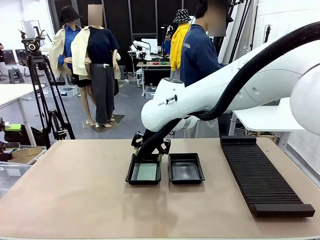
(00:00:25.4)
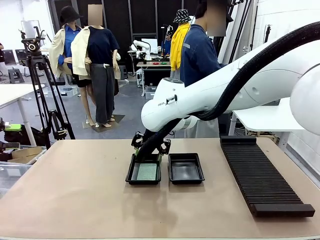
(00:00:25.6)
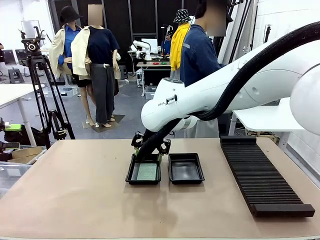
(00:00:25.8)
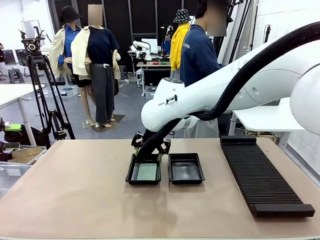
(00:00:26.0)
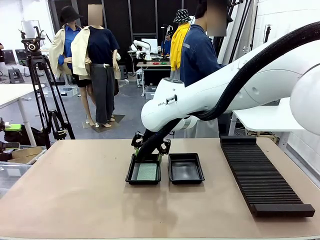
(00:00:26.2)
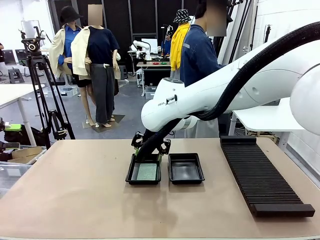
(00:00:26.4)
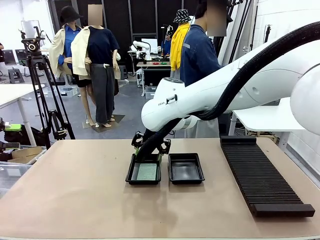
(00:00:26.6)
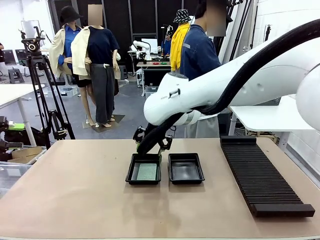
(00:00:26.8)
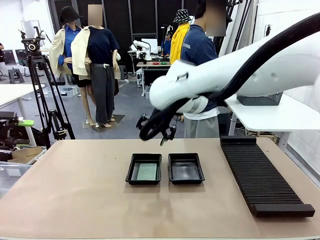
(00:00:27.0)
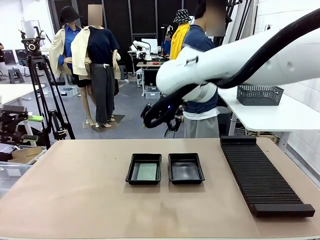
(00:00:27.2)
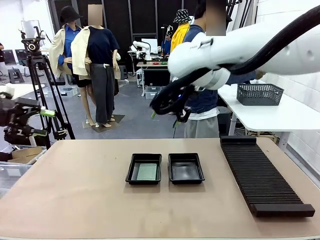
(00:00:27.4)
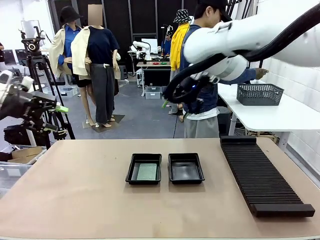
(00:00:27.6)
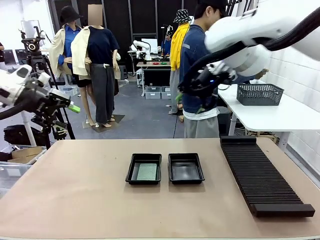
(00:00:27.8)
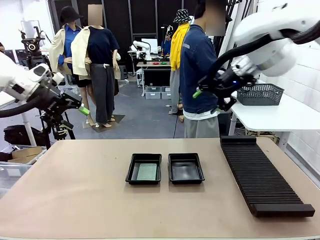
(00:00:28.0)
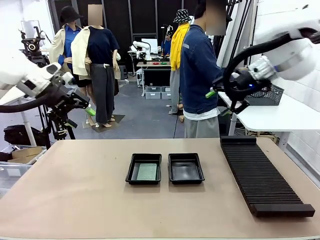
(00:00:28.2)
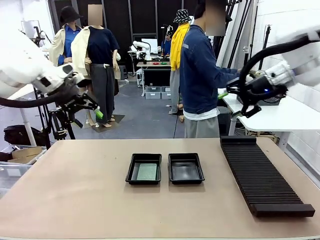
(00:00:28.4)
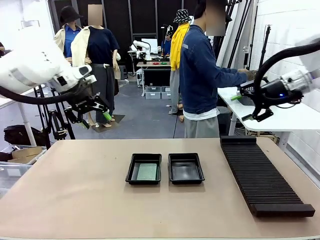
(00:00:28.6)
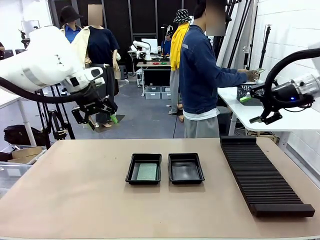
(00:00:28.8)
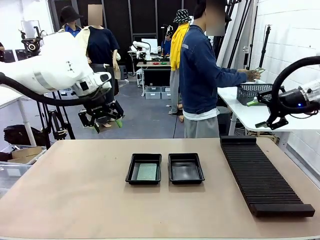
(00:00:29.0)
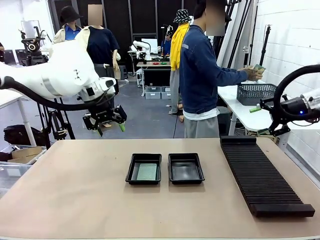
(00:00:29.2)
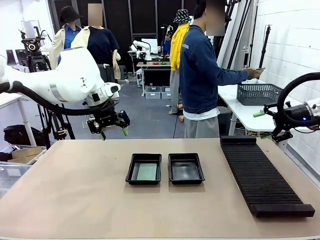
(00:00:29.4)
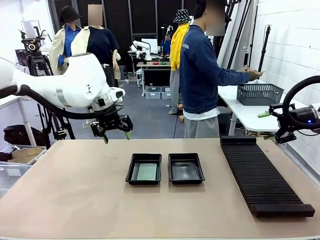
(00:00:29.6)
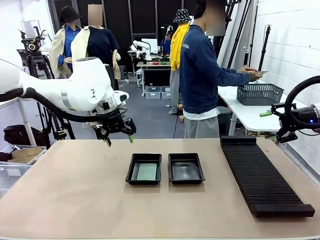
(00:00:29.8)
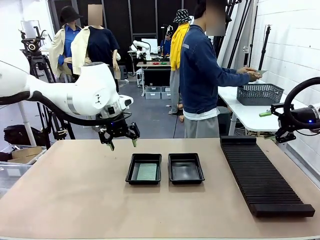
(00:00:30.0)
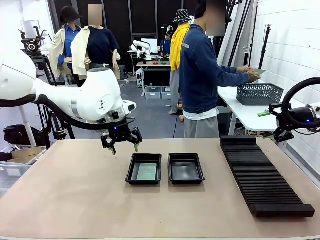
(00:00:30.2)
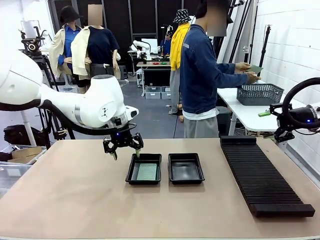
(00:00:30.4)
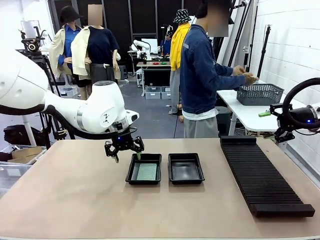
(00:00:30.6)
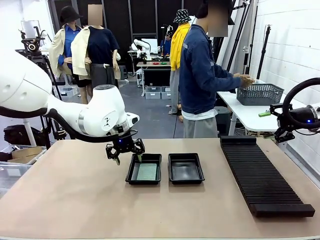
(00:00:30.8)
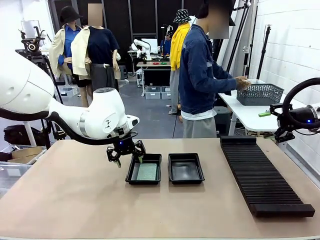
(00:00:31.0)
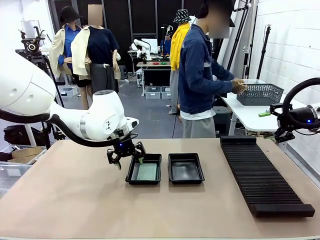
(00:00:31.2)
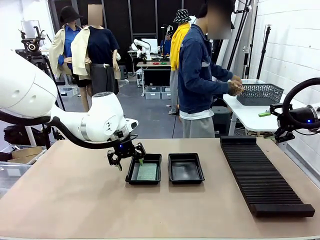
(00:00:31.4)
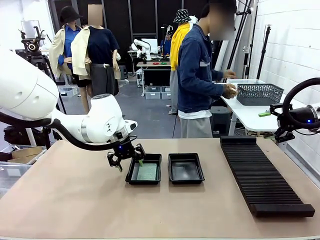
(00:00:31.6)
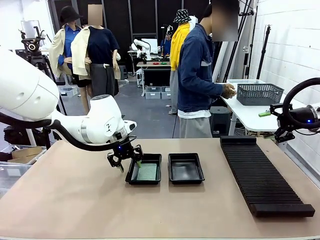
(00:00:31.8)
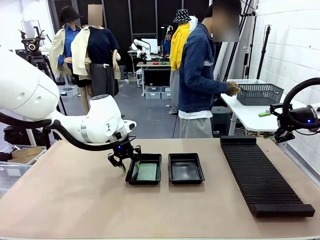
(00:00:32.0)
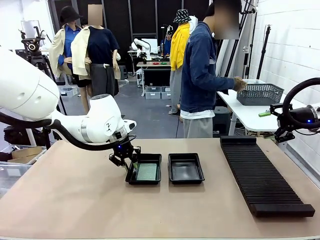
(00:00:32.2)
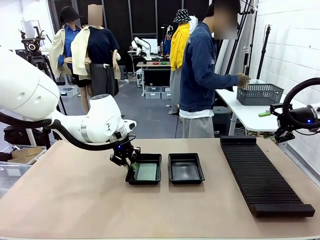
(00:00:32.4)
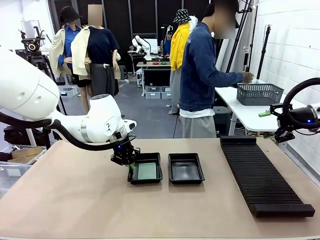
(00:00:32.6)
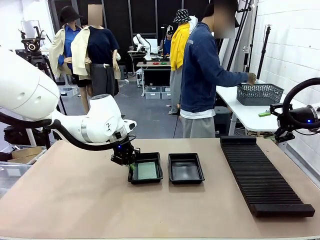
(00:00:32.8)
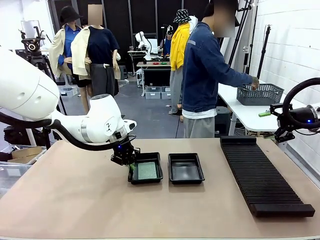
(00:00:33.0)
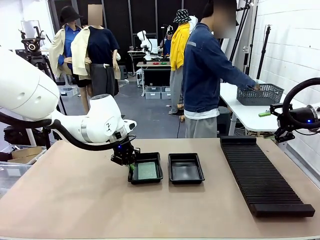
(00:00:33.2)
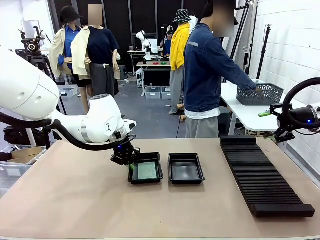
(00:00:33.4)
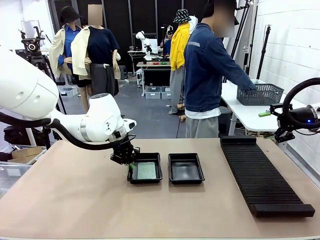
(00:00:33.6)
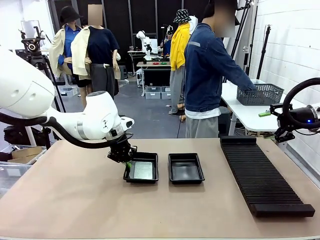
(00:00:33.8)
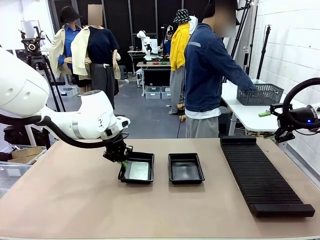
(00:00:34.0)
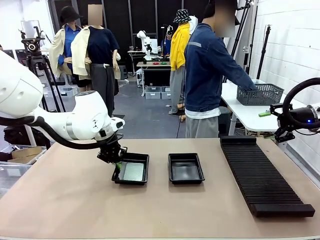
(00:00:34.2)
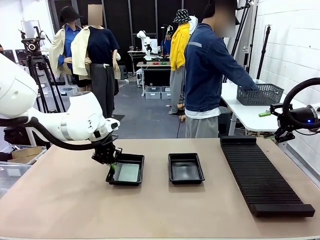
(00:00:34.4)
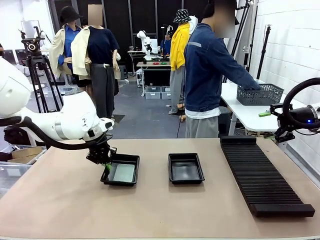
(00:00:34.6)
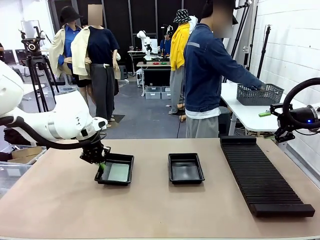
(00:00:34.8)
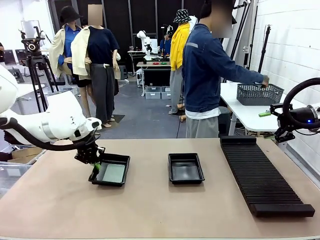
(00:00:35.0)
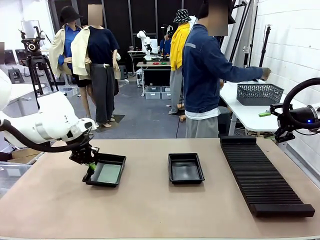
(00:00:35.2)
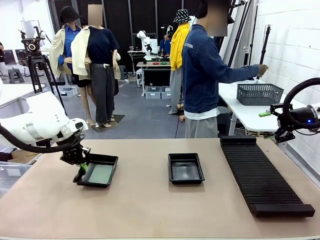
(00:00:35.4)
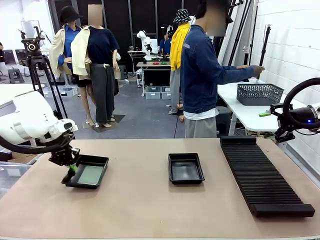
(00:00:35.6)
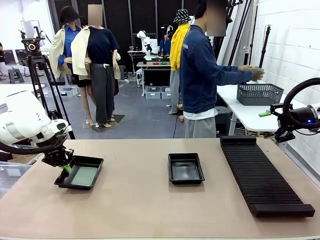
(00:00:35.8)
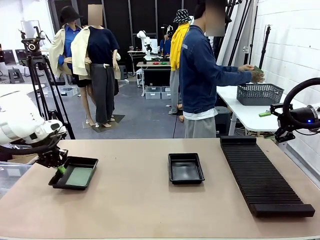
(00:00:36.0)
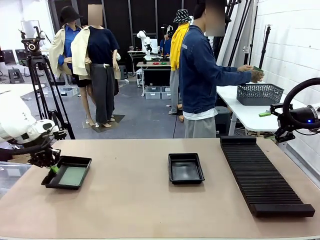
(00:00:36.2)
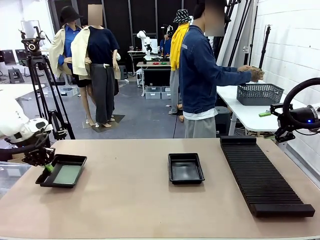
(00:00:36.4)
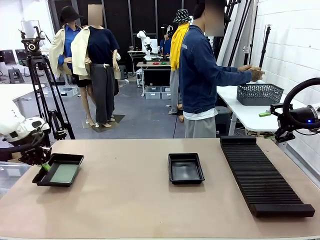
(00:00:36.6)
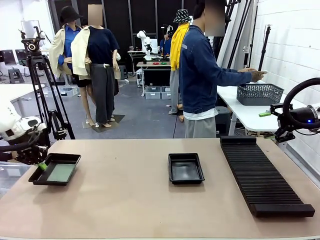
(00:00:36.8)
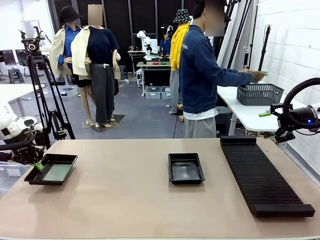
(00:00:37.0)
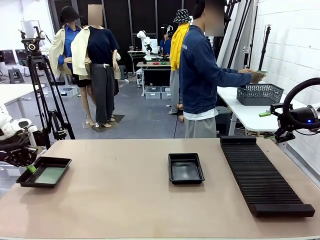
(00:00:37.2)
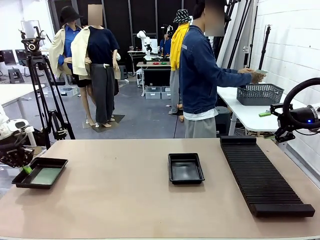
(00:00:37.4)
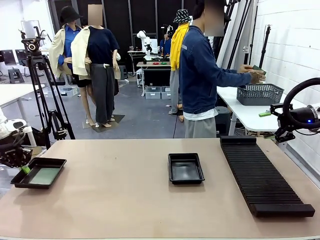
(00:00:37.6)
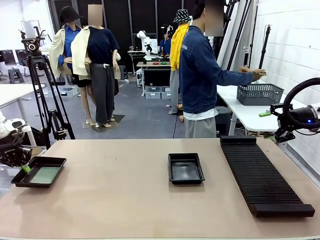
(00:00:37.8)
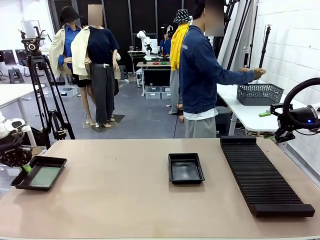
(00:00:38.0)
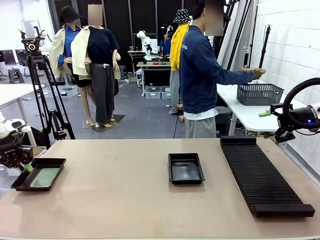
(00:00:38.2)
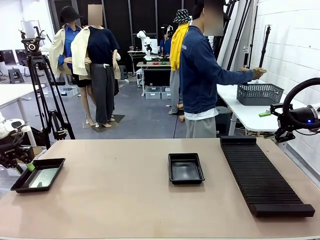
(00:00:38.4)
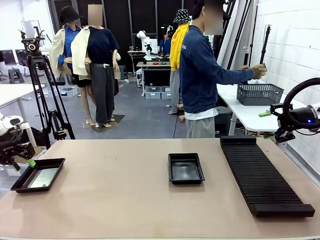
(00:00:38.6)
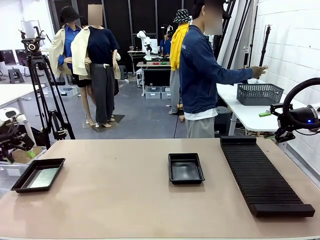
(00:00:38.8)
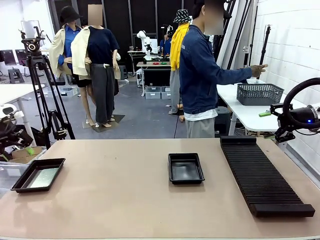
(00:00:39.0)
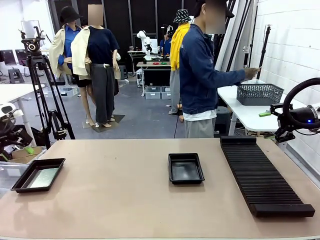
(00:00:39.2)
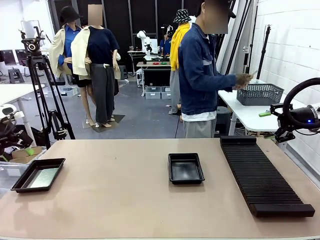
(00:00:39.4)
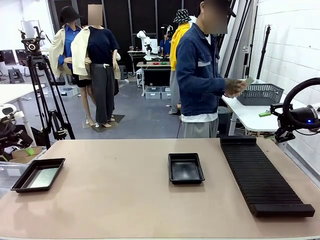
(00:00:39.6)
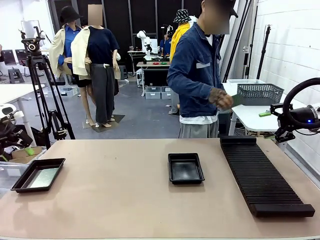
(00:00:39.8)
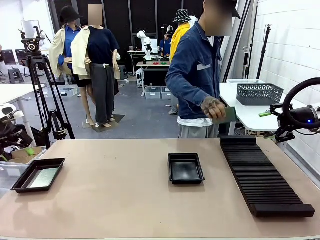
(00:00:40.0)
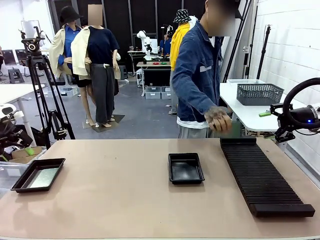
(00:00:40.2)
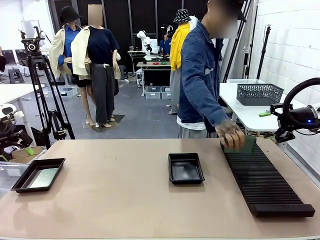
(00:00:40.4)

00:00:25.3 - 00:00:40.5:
Task: Inspect and transfer BCBs to ESD trays.
Robot: Pick up the ESD tray and place it on the left side of the table.
